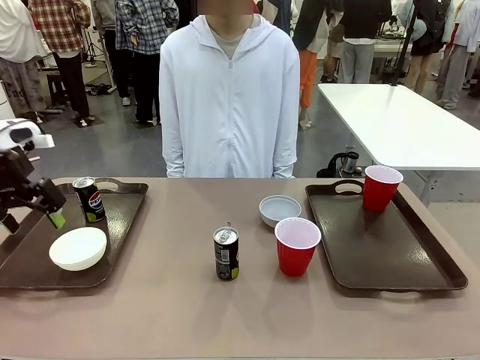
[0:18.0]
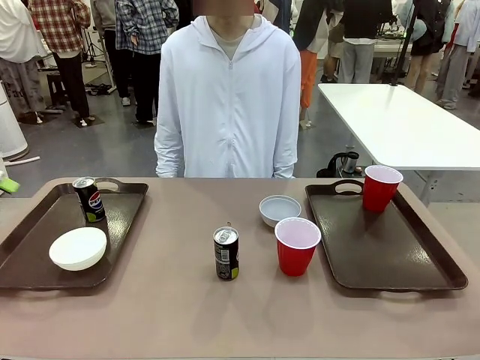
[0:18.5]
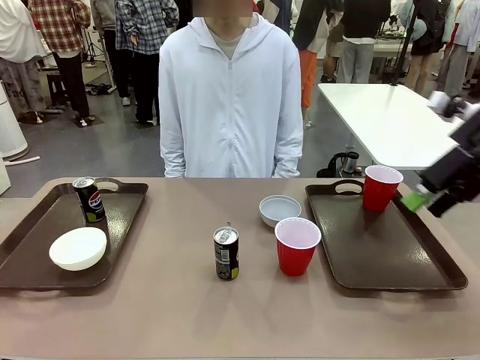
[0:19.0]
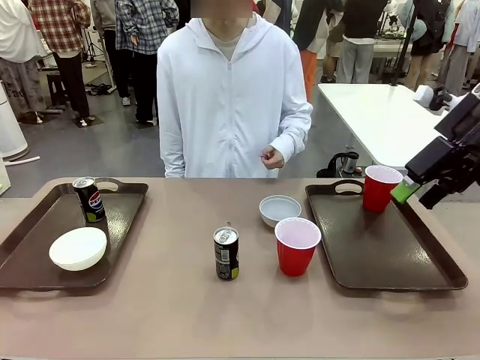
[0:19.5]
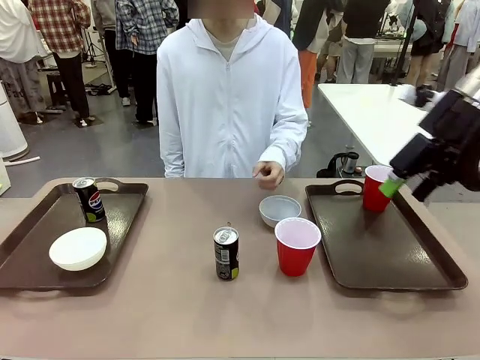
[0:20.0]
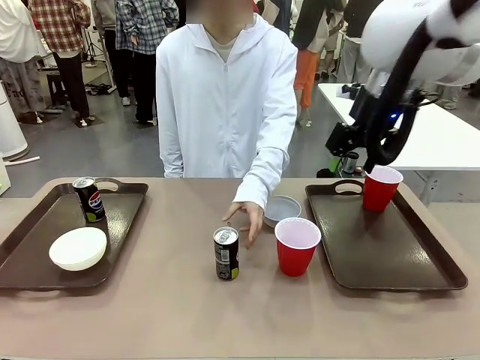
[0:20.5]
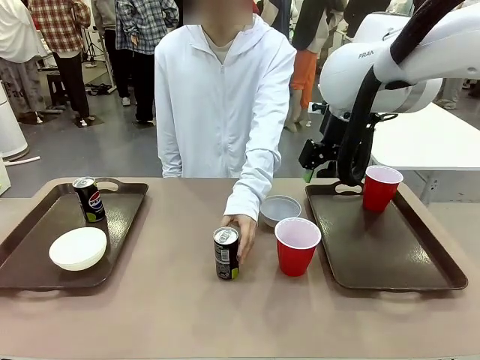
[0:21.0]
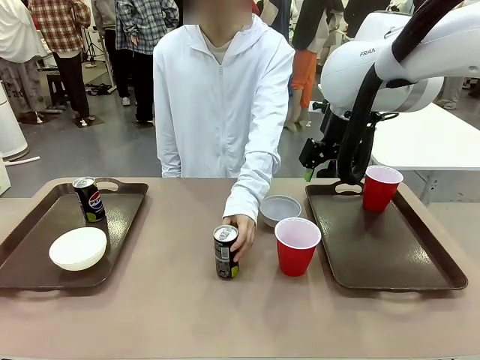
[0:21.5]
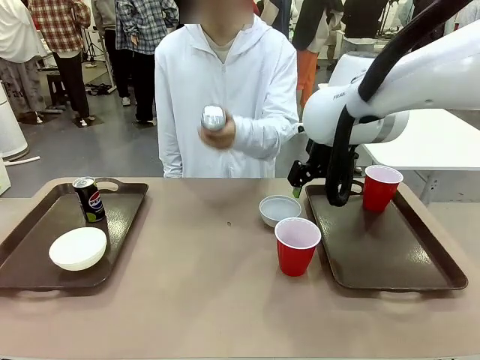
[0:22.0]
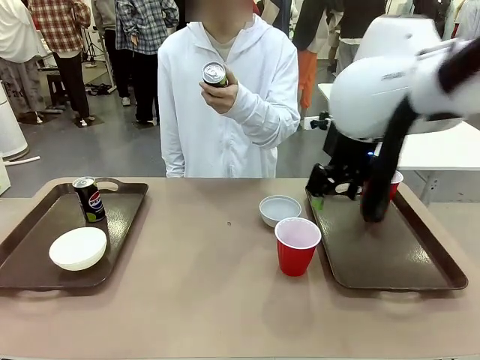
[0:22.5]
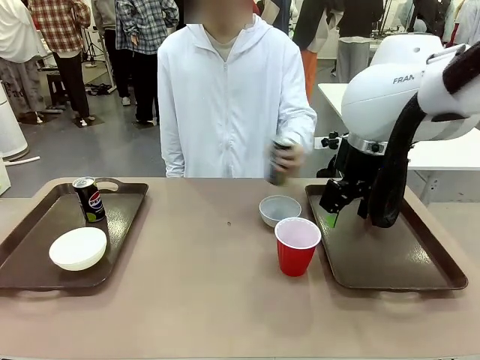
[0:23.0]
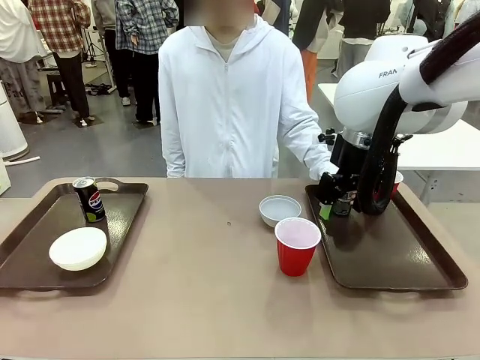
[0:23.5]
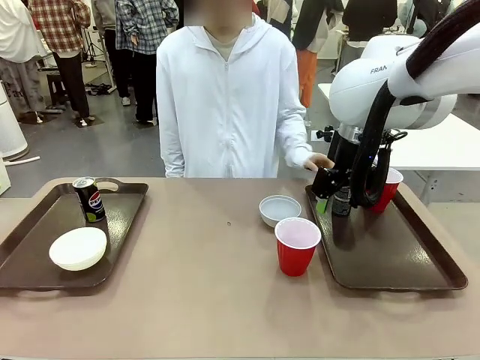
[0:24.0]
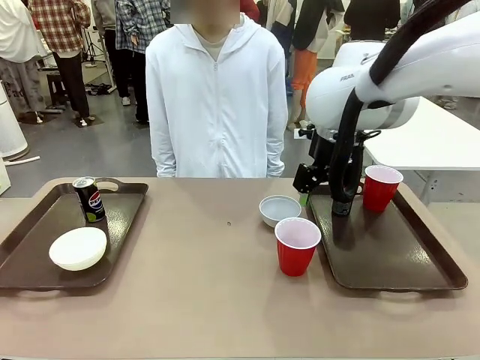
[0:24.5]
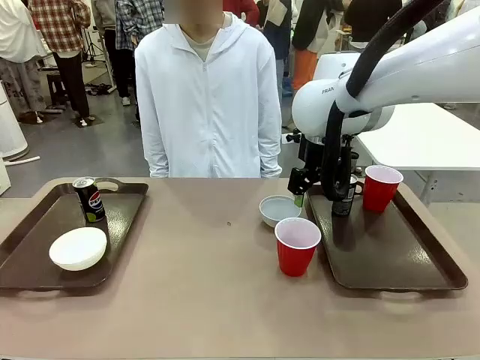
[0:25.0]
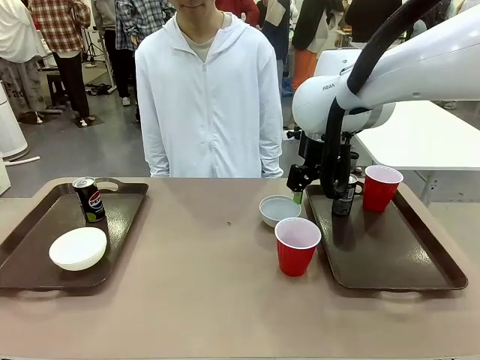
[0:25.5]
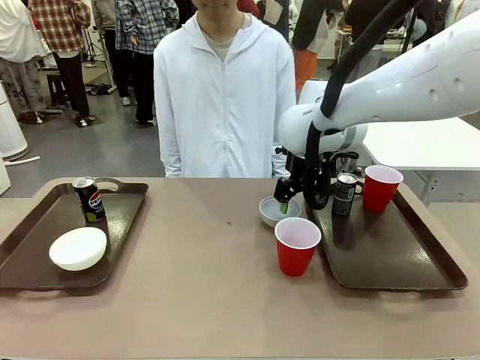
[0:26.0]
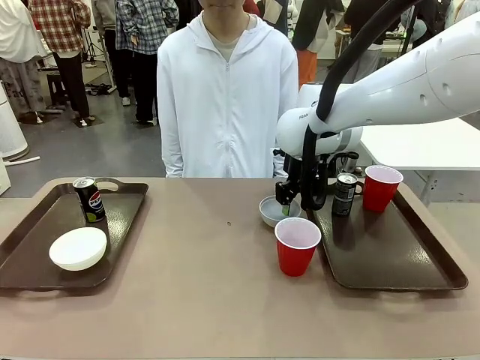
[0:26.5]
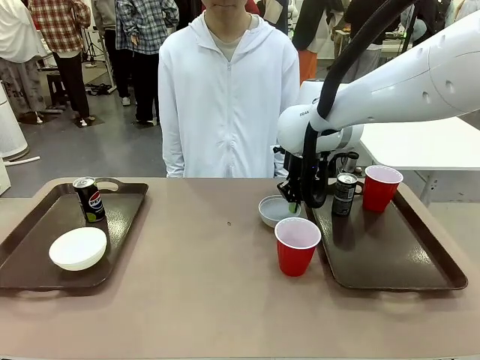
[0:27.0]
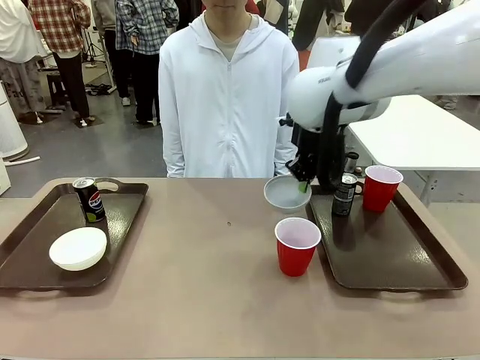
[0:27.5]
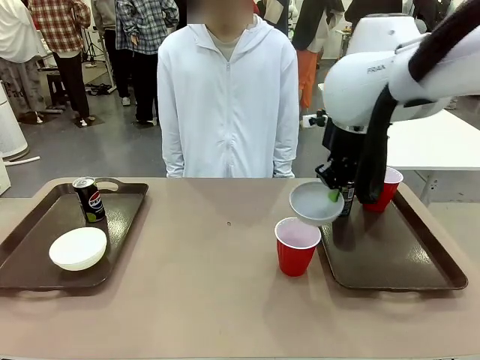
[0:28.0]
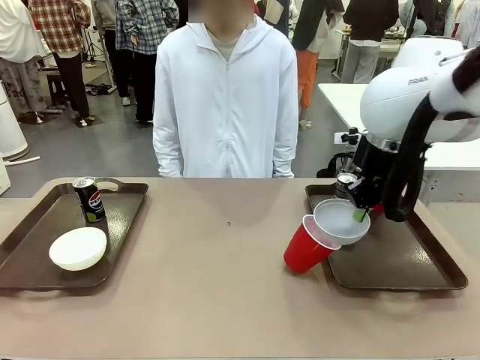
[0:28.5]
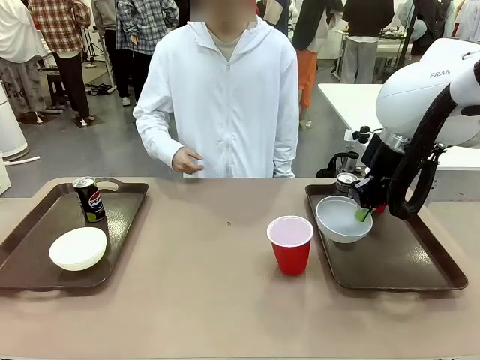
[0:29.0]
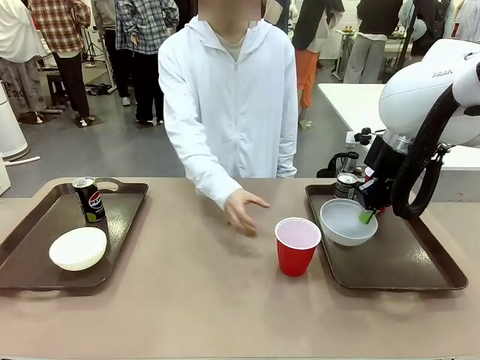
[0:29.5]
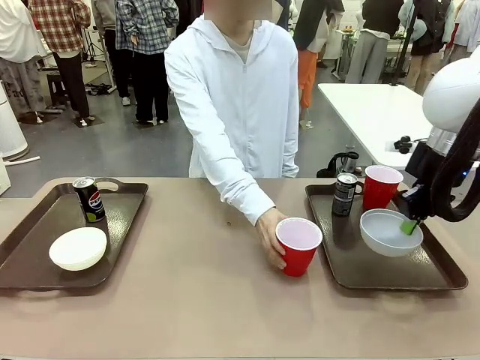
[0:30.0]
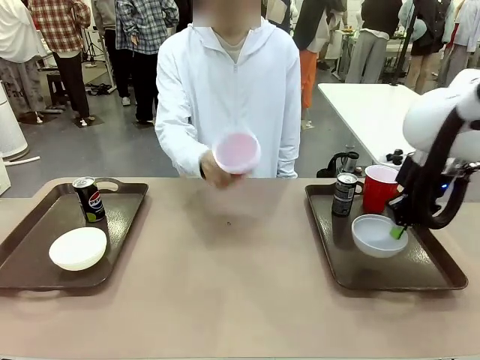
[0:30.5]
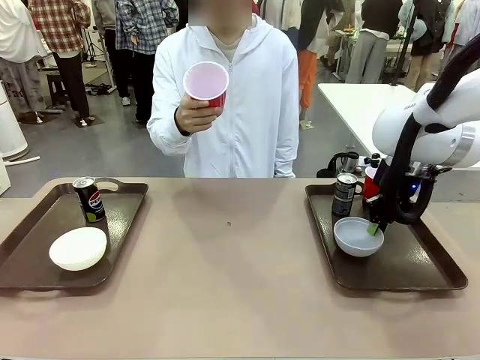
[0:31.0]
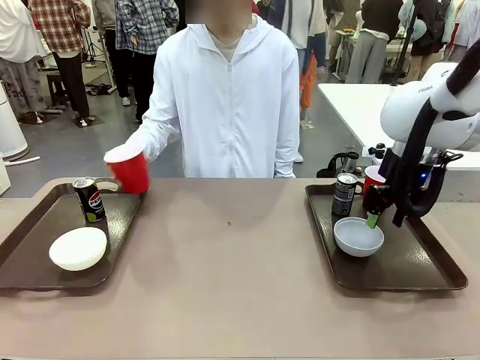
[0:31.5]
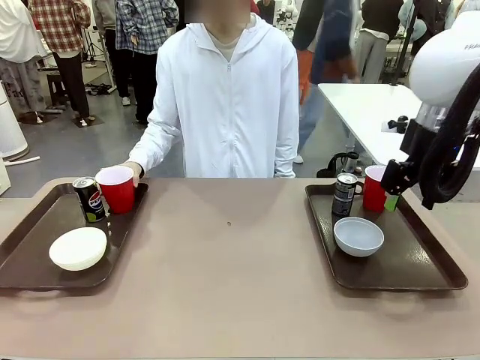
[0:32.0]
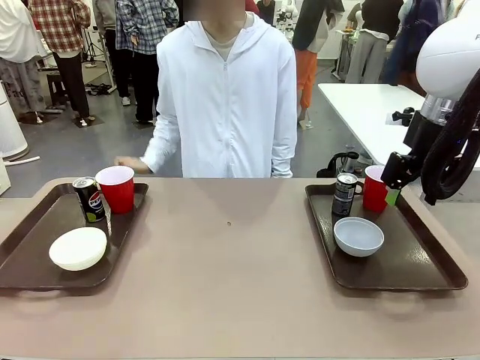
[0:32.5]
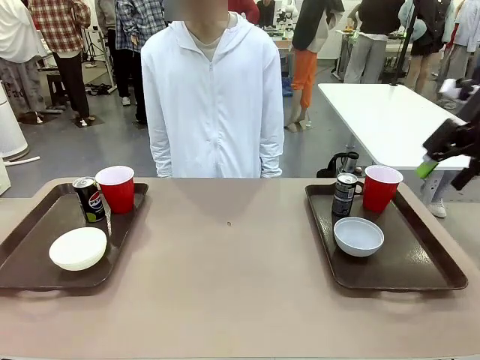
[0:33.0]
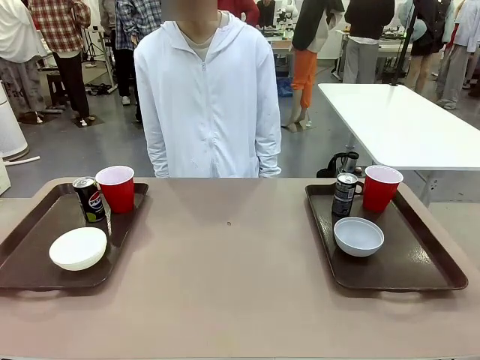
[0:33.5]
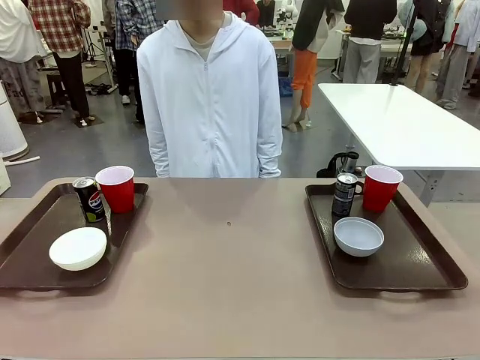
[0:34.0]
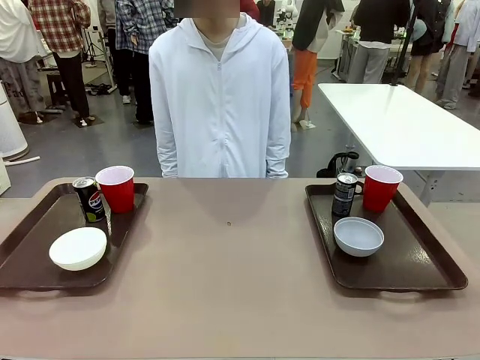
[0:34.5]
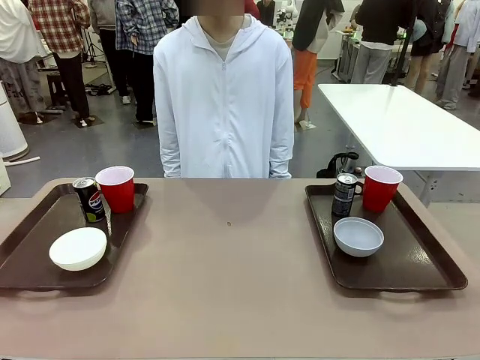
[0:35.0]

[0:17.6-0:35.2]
Task: Prepare tableware on both trays.
Robot: Pick up a Picnic Bowl from the table and place it on a Handle tray.
Person: Pick up a can or cup and place it on the tray without a can or cup.

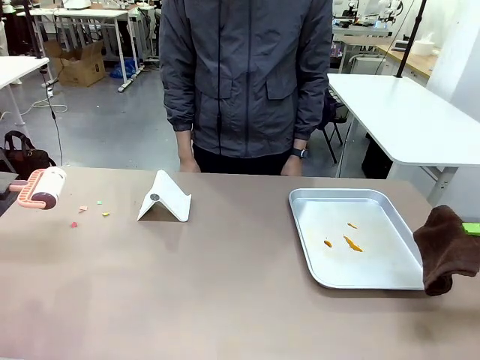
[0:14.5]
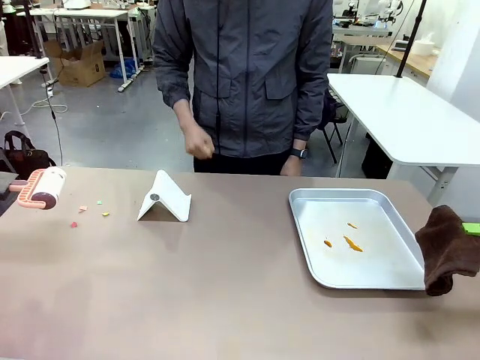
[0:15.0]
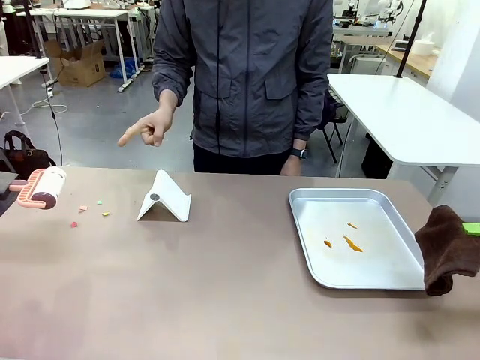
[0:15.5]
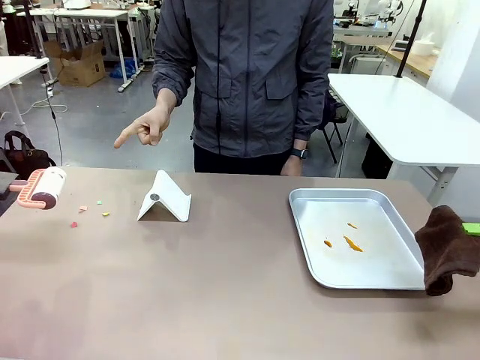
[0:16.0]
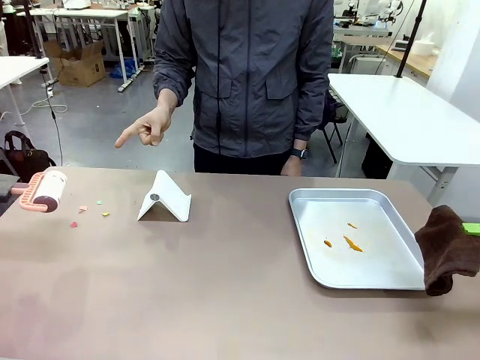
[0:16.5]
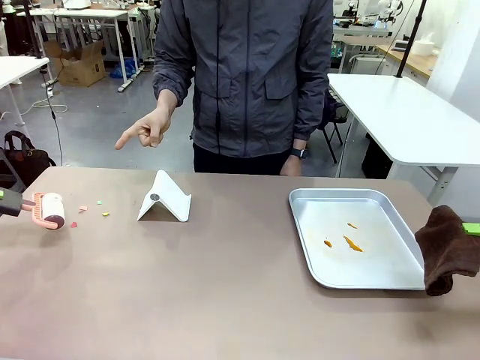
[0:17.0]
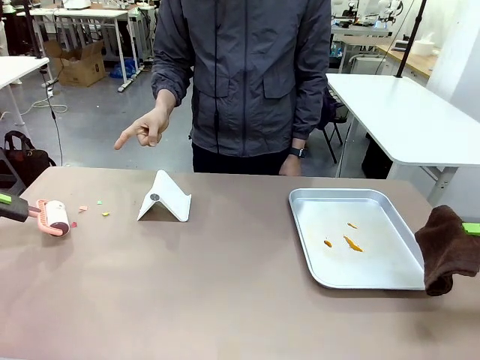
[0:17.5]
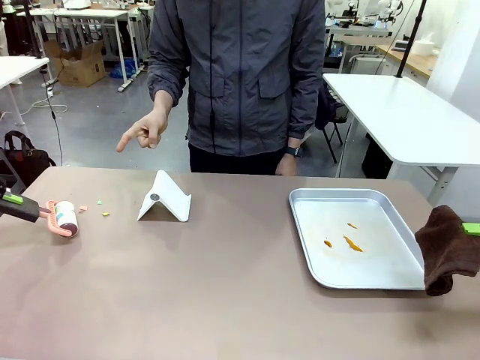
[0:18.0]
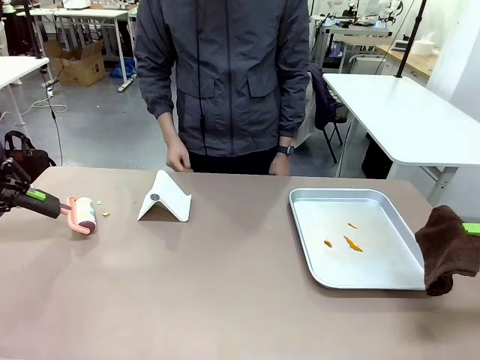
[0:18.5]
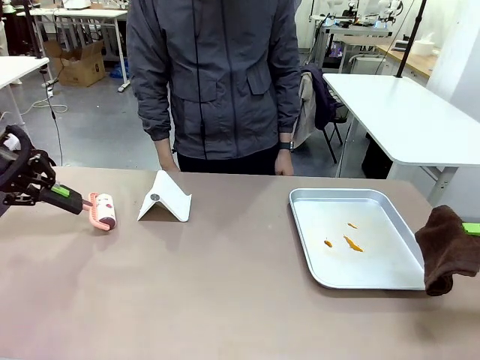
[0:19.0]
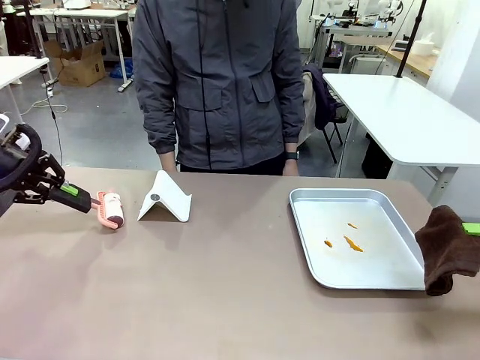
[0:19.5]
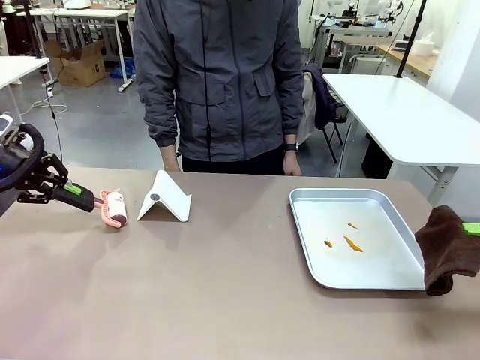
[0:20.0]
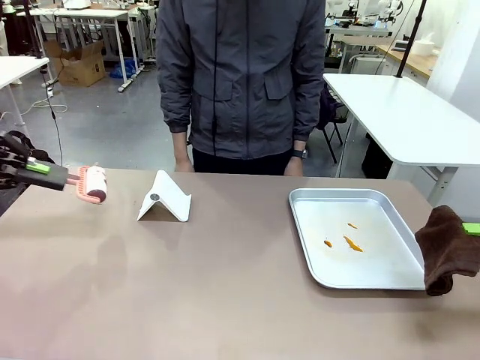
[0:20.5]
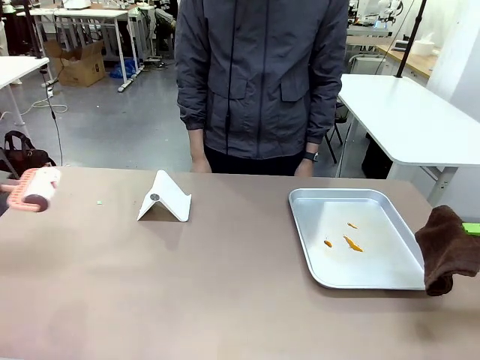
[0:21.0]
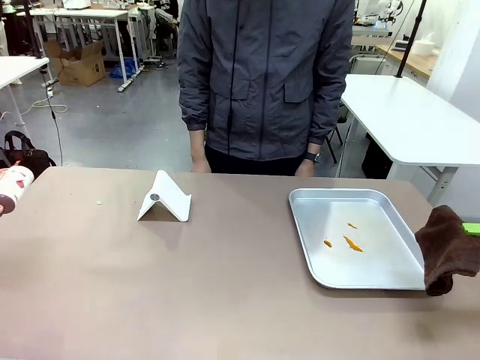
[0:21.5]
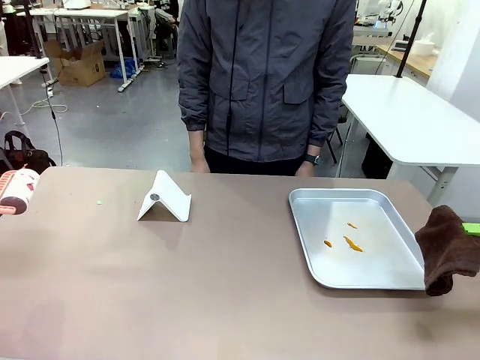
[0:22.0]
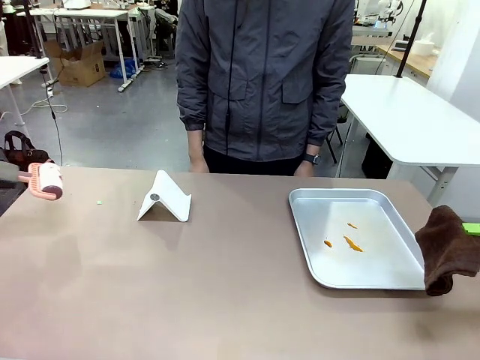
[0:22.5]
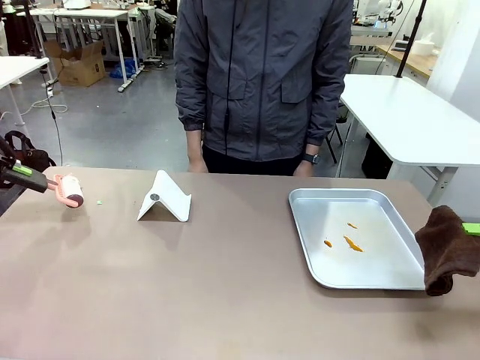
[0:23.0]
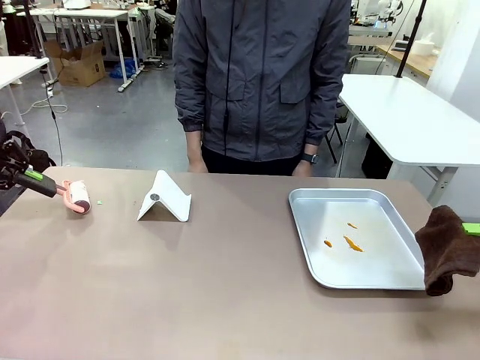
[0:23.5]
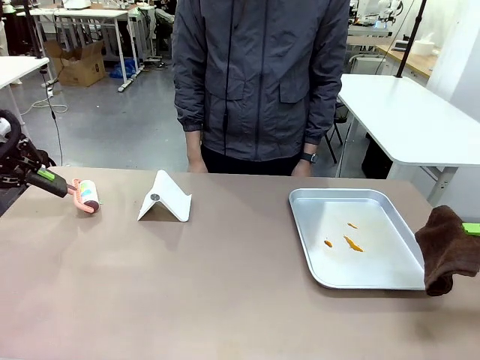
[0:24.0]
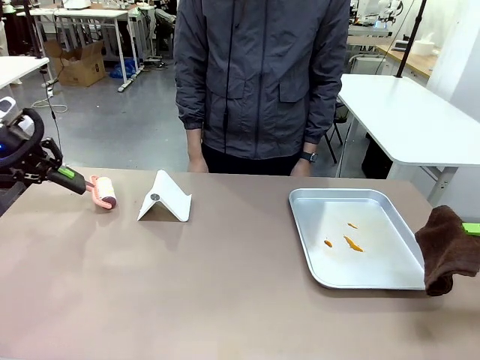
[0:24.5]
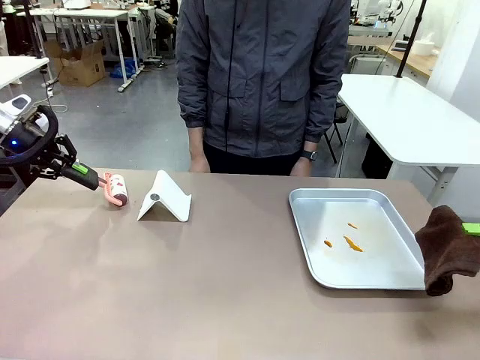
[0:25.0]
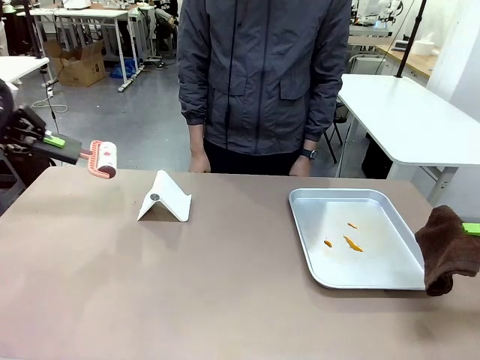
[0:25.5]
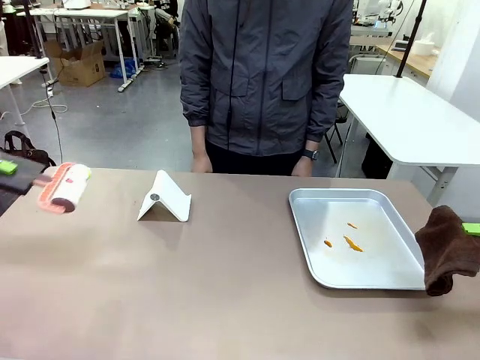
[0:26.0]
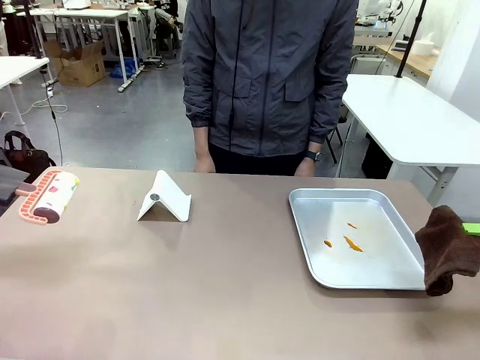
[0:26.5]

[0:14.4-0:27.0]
Task: Clean the surface of the table.
Robot: If a person points to the right, clean the right side of the table with your right hand, and if they point to the left, clean the left side with your left hand.
